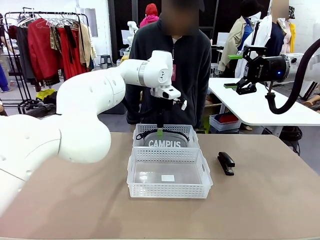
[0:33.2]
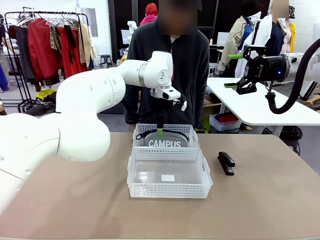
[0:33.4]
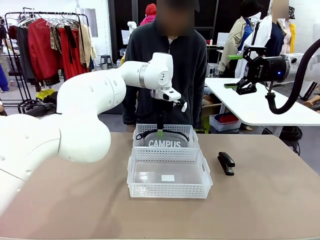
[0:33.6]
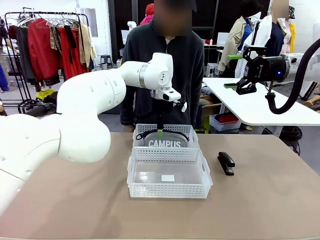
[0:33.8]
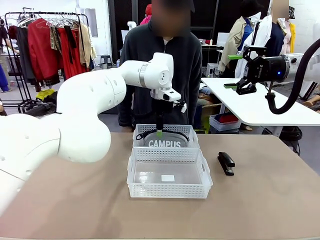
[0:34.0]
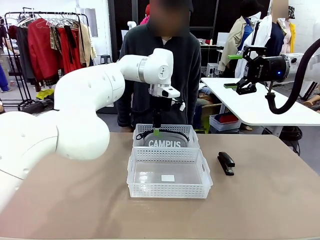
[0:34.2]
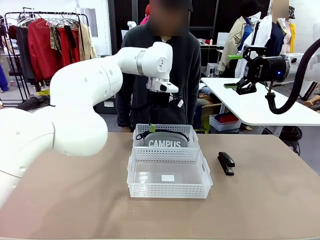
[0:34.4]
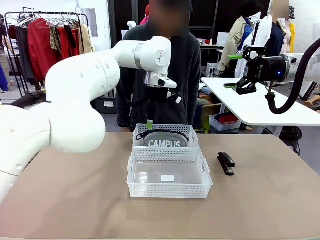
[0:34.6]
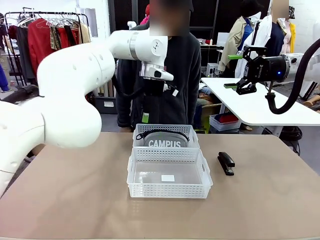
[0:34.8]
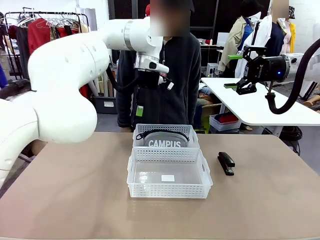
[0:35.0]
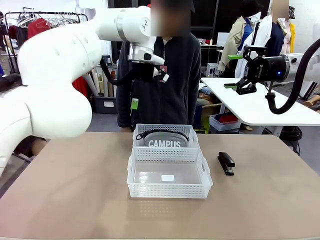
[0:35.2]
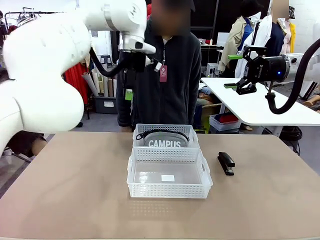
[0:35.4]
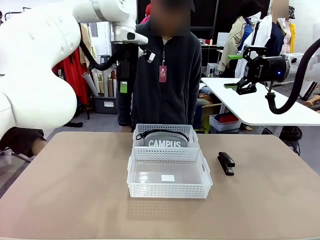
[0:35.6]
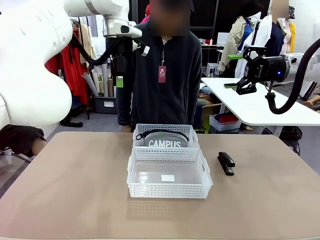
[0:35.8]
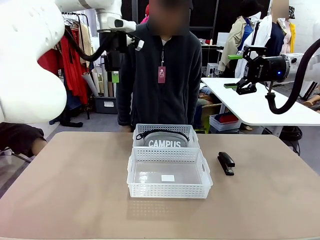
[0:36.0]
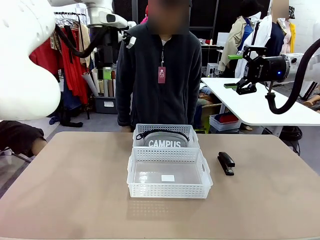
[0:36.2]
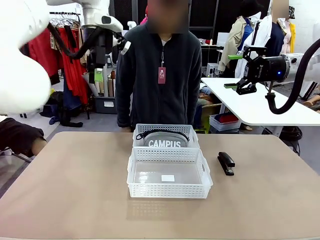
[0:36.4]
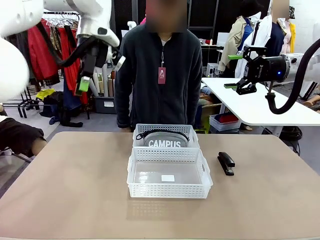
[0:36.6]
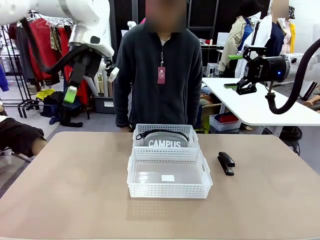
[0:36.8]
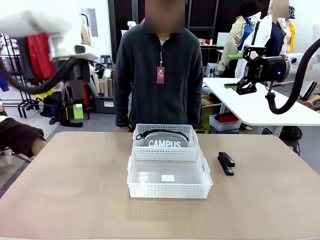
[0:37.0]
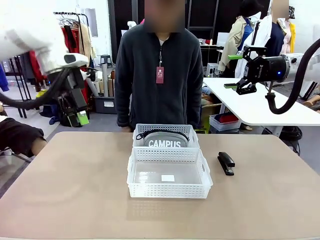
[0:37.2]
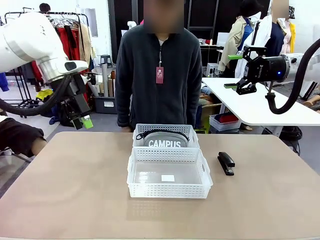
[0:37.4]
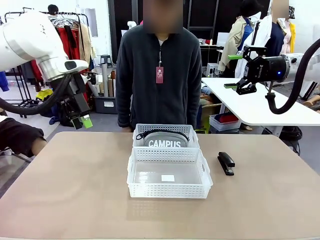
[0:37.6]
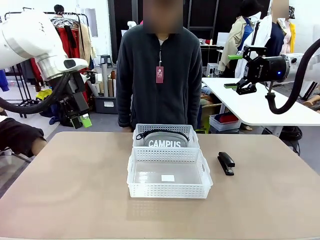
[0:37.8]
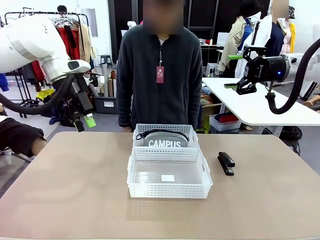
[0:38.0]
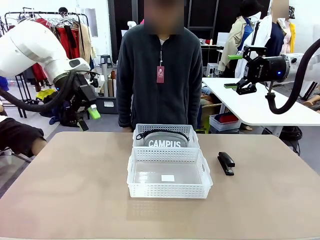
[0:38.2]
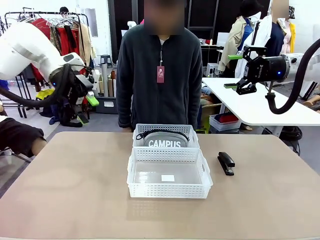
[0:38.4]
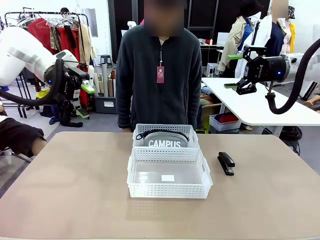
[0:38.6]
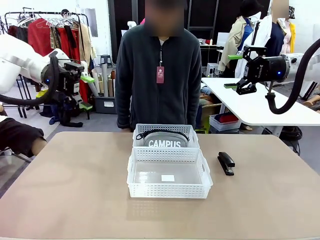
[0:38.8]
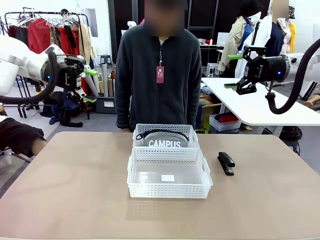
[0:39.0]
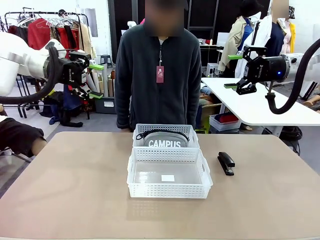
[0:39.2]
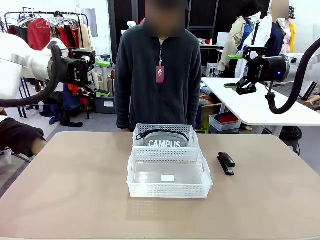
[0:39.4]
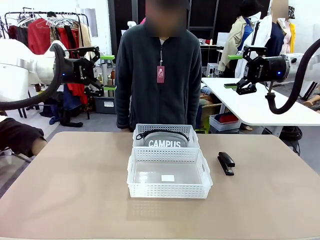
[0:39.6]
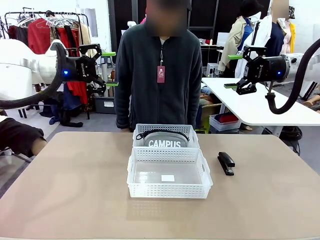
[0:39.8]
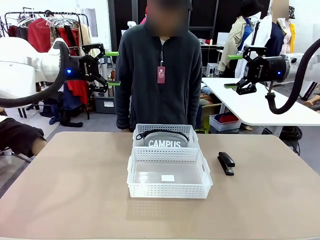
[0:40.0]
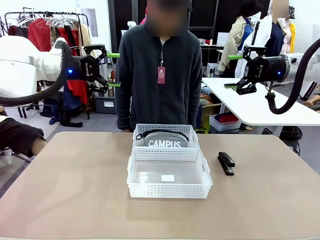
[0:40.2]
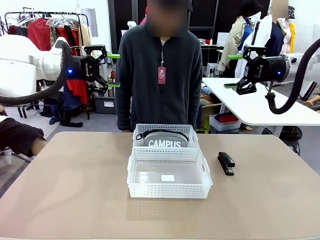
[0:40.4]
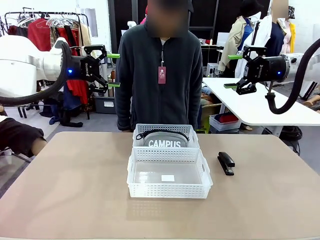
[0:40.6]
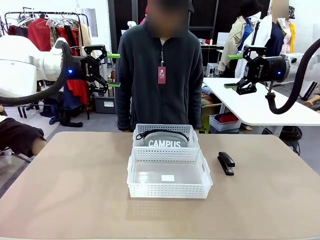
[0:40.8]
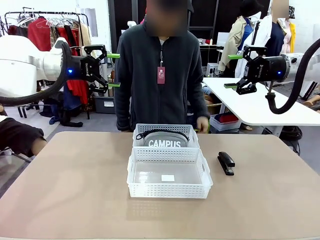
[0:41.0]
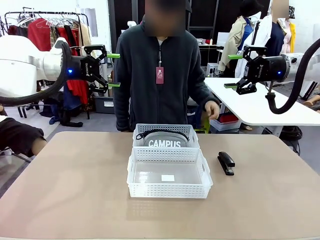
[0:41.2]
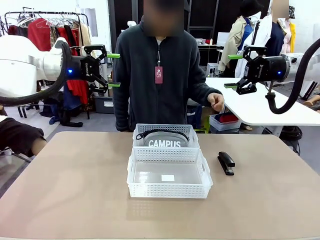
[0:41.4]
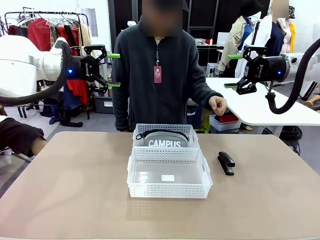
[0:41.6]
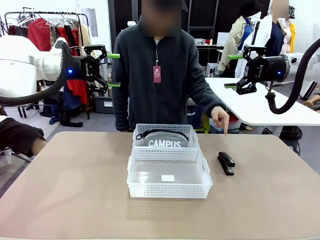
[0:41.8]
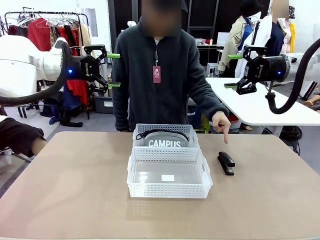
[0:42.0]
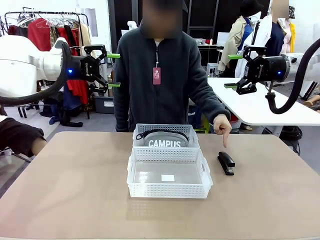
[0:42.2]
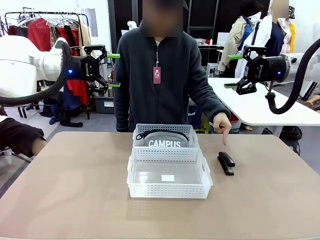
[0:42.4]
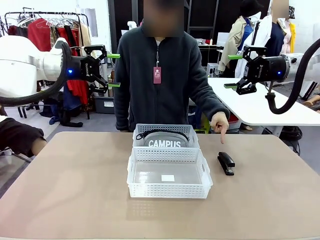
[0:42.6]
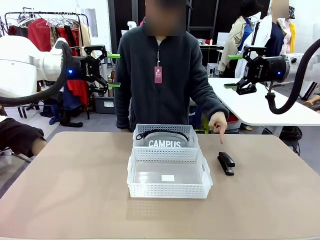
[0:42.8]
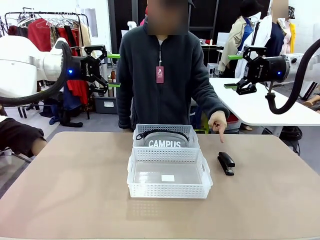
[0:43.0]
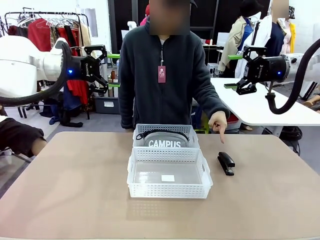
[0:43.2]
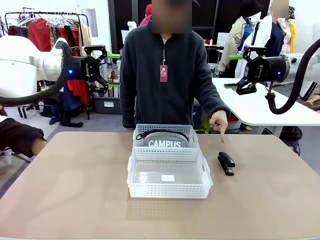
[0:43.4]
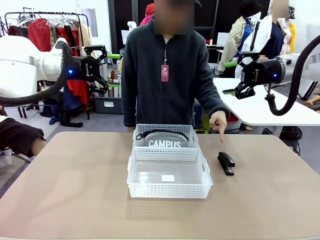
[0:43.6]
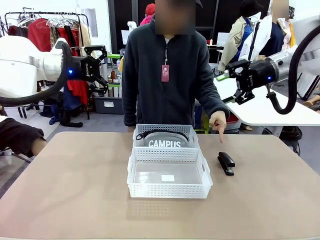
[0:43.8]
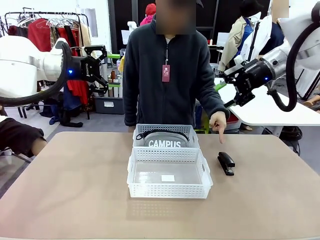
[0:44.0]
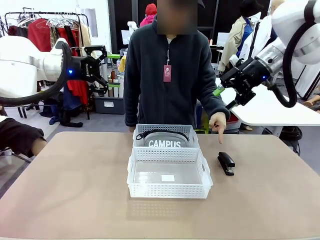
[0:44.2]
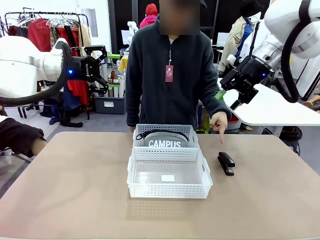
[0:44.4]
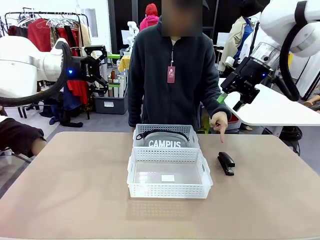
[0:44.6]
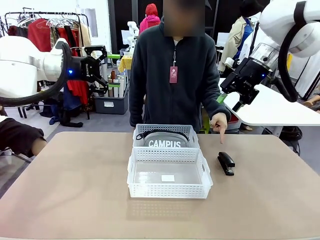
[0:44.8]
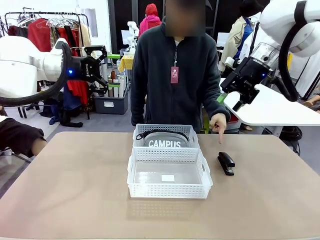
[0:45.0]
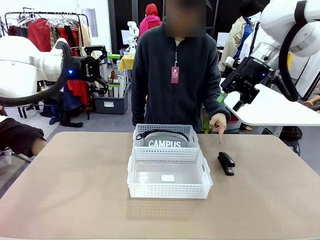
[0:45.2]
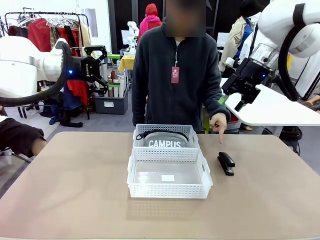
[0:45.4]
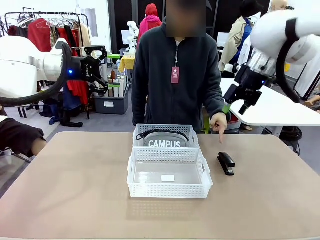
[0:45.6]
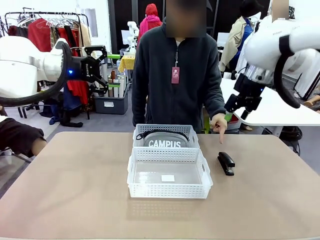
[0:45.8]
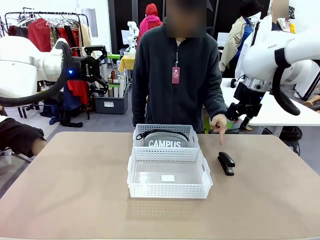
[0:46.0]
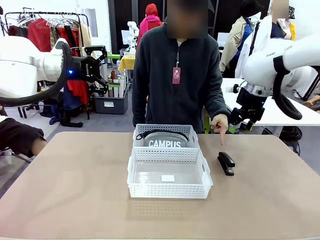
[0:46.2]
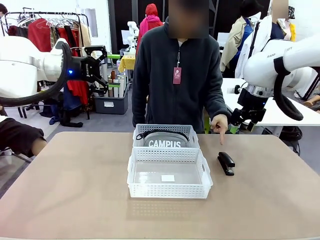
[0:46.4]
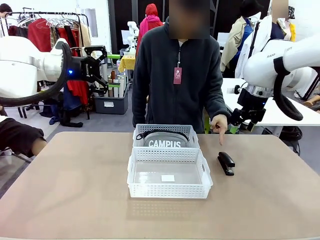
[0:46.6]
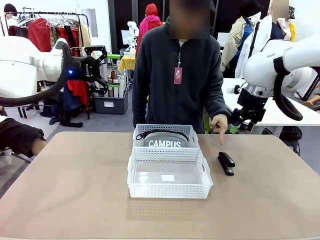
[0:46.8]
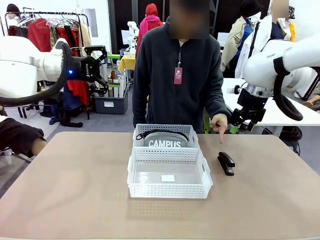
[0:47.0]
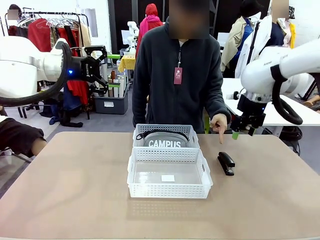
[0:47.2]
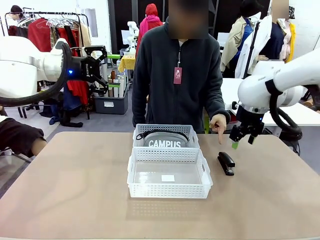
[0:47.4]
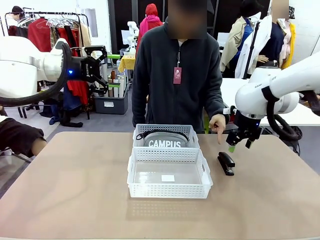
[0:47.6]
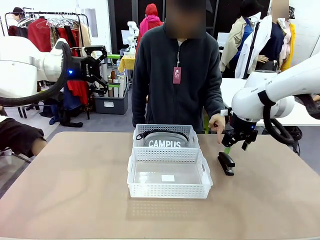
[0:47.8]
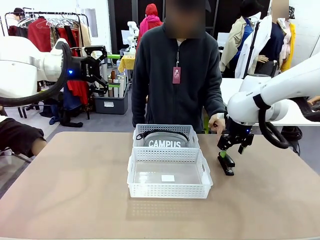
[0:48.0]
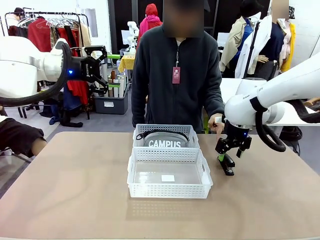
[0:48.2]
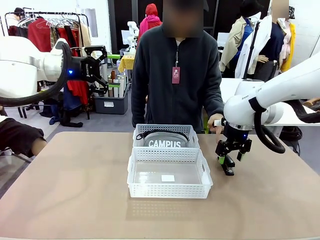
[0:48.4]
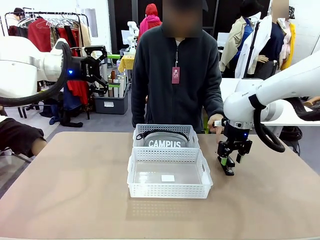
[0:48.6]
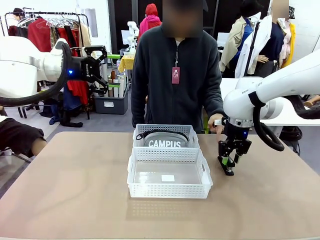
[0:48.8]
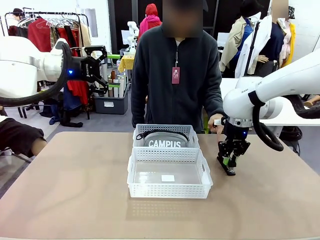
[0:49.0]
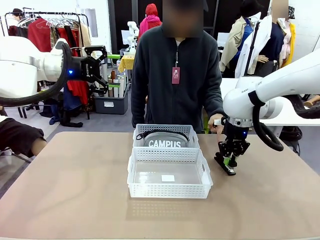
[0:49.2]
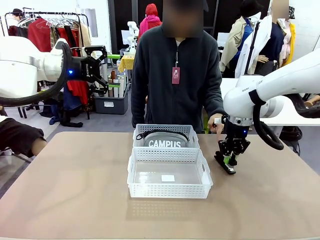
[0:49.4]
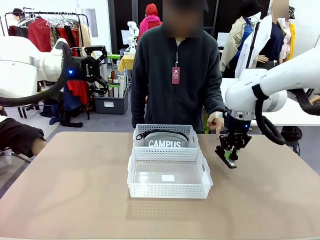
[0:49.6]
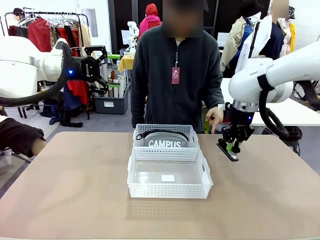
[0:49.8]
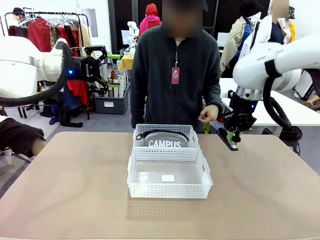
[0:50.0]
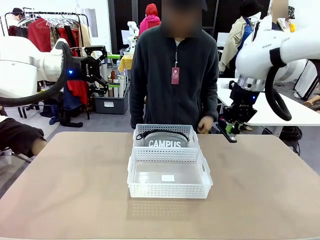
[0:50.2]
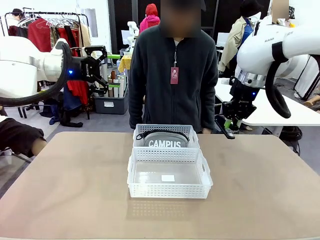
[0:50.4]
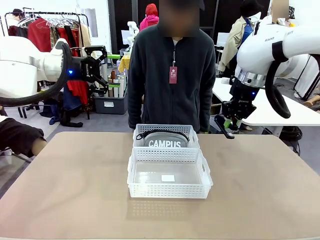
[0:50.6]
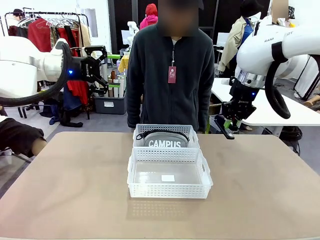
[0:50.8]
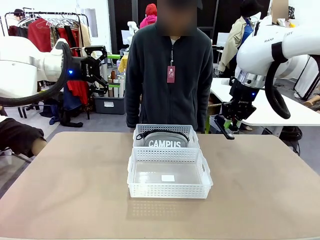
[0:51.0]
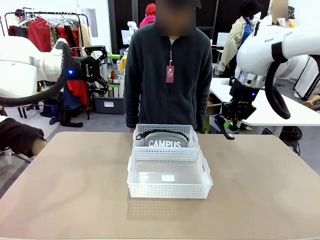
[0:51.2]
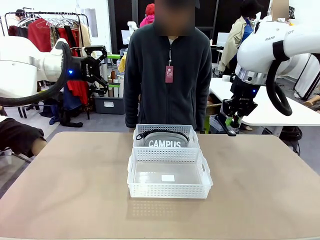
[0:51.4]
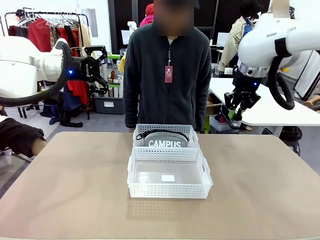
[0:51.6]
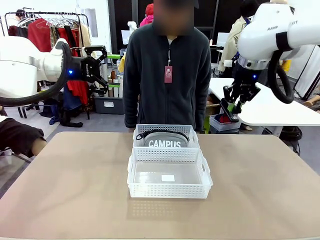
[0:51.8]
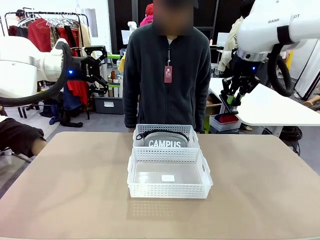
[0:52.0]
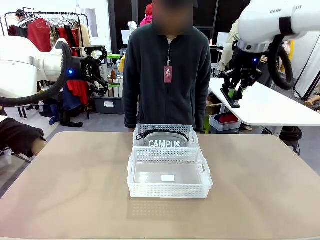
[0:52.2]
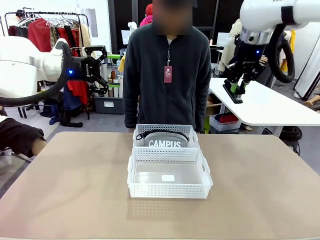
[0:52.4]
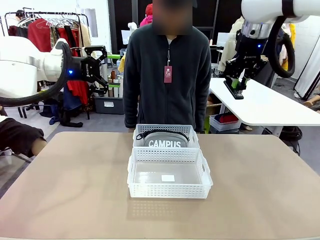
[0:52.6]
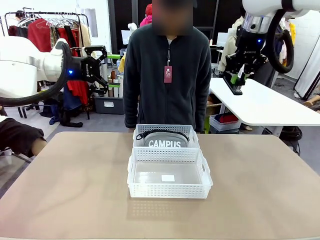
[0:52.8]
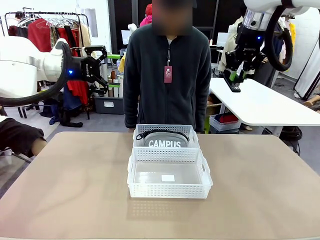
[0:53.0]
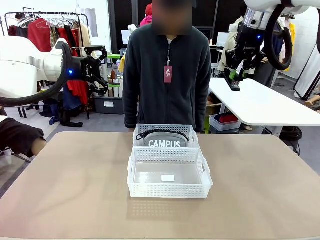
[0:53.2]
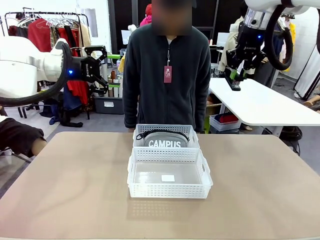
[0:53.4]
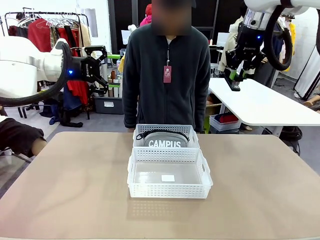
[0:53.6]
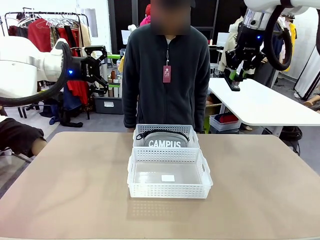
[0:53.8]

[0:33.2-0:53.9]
Task: Distribute items into two baskets.
Robot: Pick up the Stapler that the person points to.
Person: Points to the stapler.
